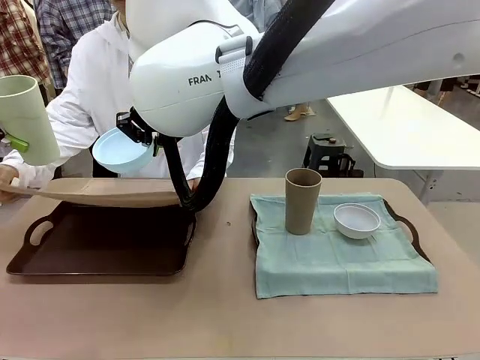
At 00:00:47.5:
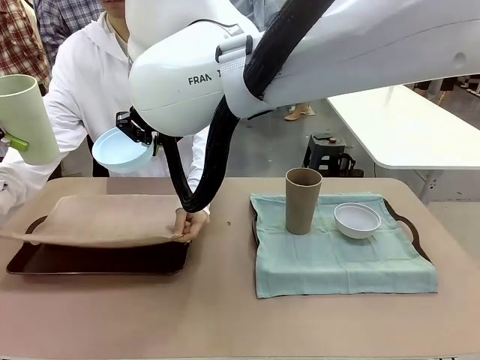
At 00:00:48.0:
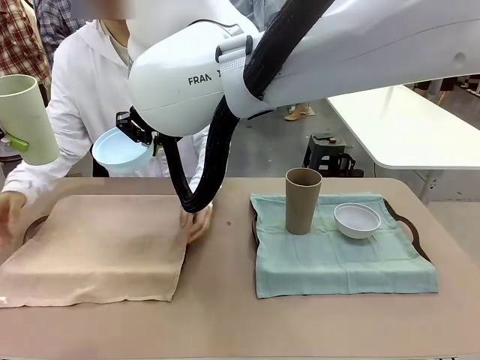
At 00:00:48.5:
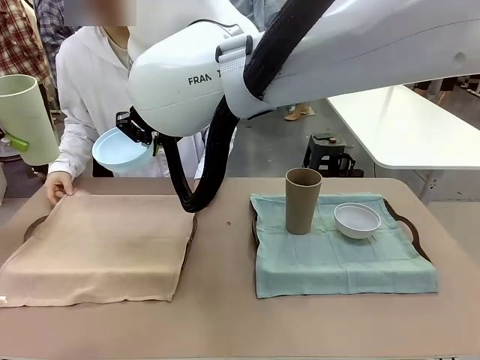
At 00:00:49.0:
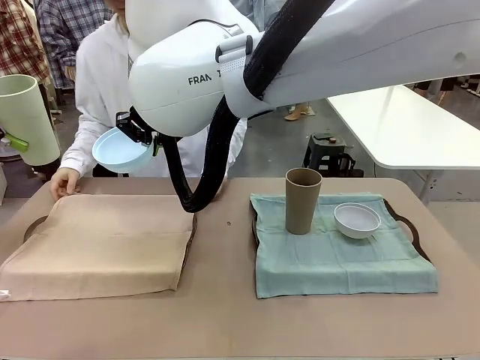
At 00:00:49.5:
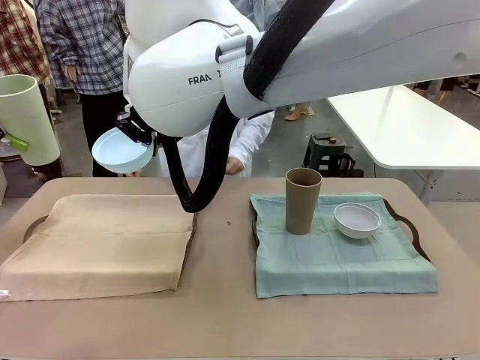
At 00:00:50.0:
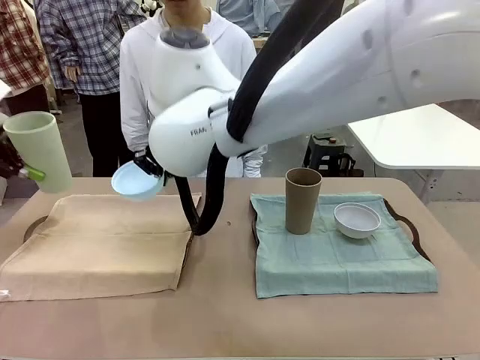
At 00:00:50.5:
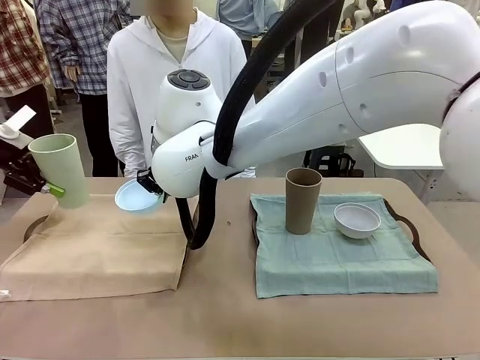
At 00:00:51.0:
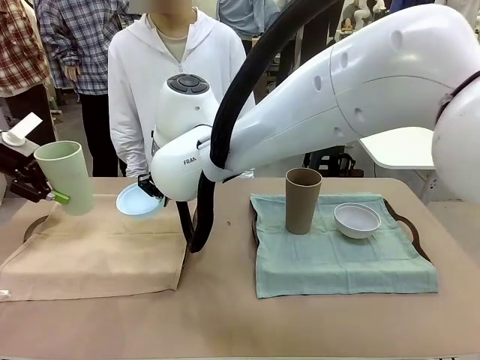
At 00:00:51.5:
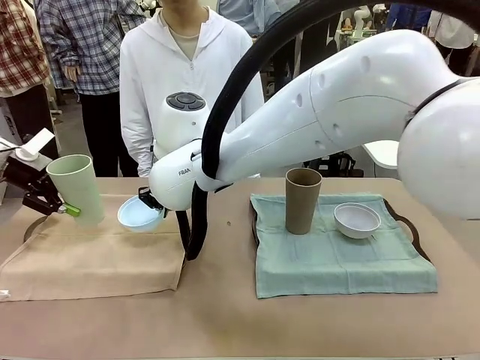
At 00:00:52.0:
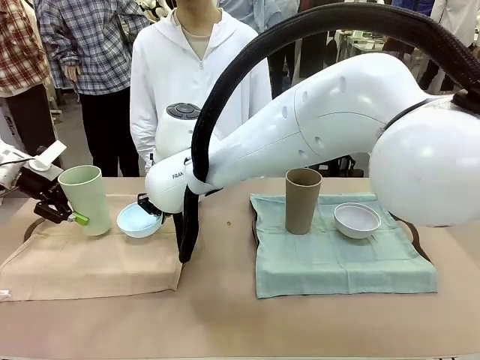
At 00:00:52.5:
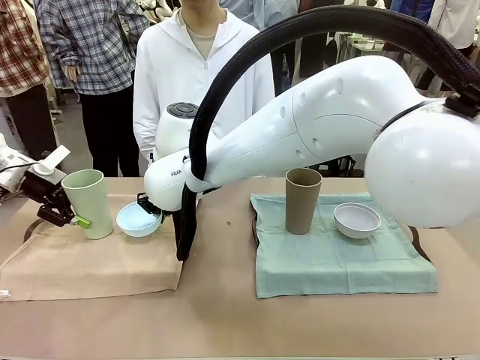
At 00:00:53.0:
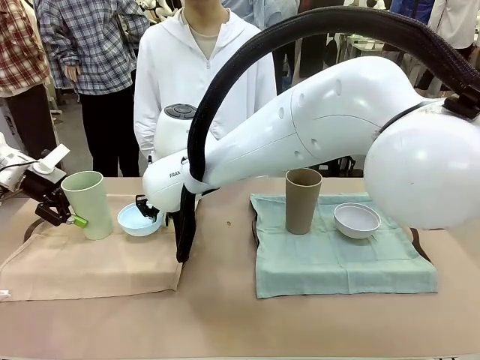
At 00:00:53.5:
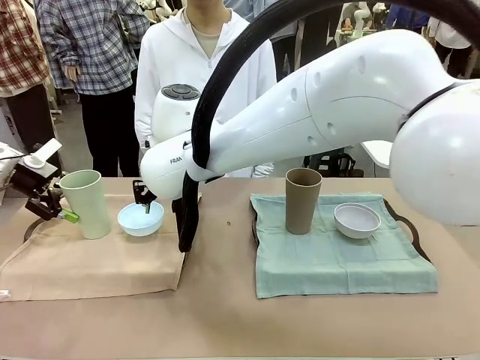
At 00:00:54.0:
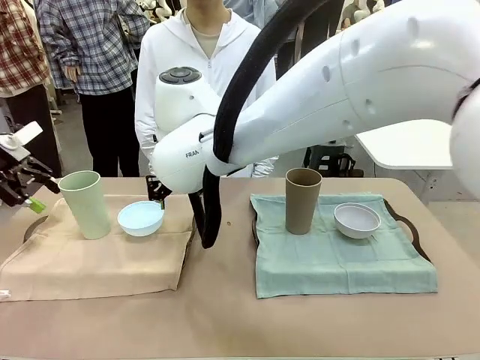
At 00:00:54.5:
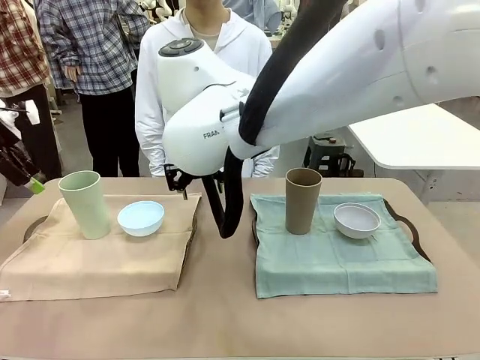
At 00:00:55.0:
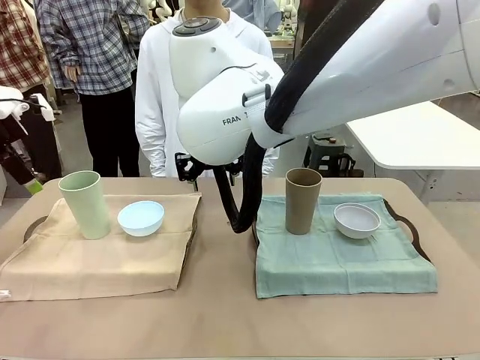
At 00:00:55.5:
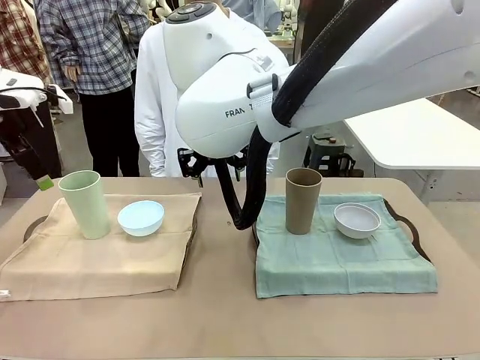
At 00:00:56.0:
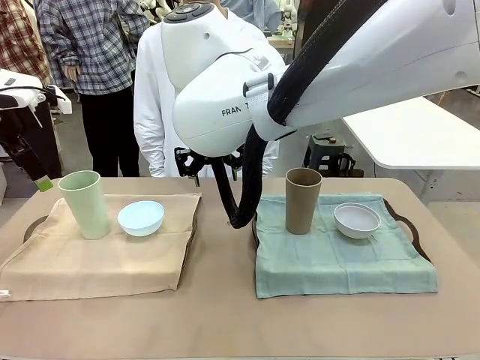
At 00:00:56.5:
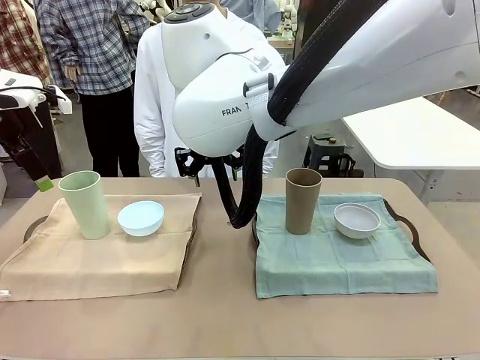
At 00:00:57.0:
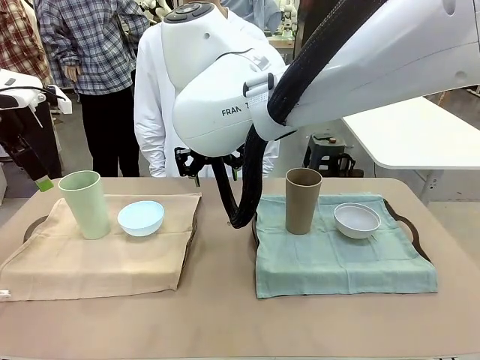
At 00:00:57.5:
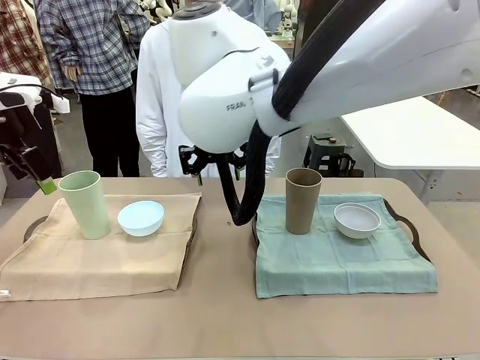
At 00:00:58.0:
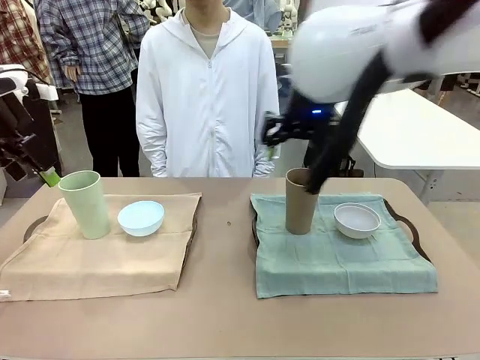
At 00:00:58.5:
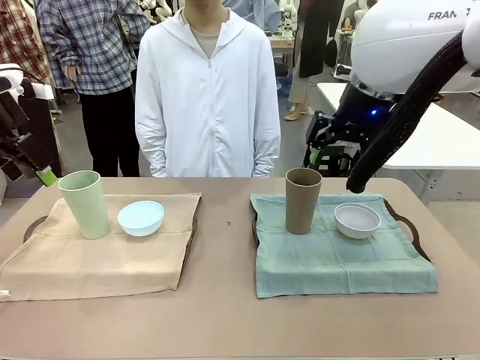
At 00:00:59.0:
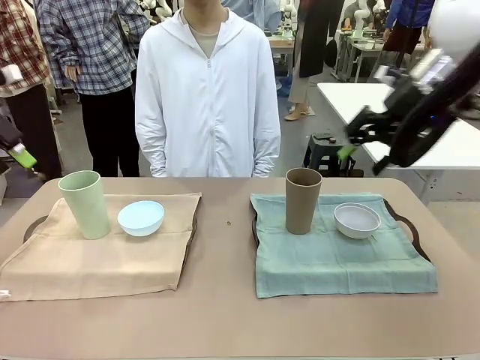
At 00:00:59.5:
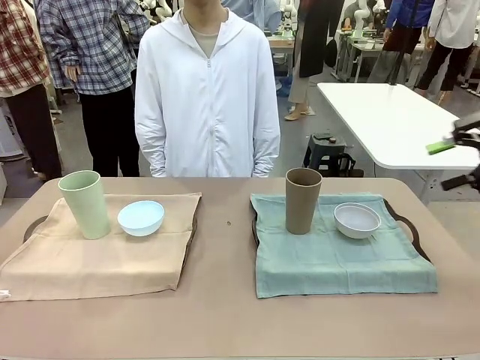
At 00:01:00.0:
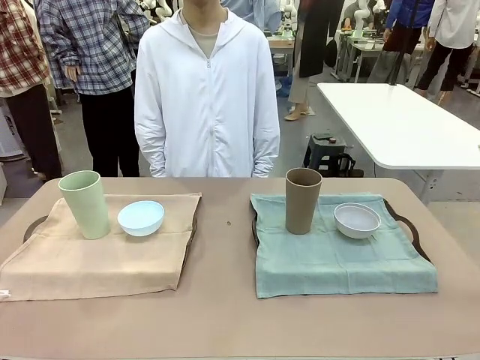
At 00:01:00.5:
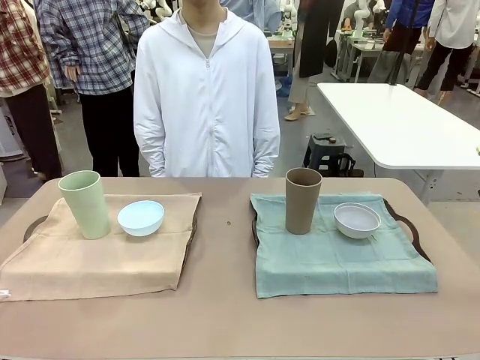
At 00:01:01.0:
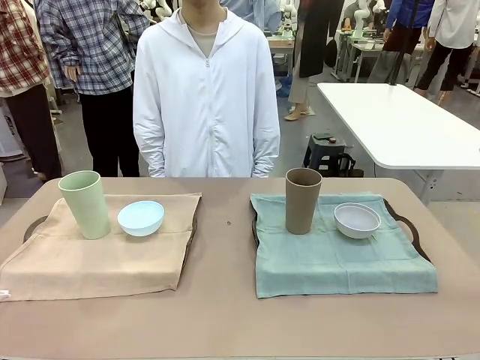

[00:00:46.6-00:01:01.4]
Robot: Place the Picnic Bowl and Reusable plastic cup back onto the Handle tray in front of the human's position.
Person: When the robot lifts the bowl and the cup, the human unfolds the napkin and lays the napkin flat on the tray.

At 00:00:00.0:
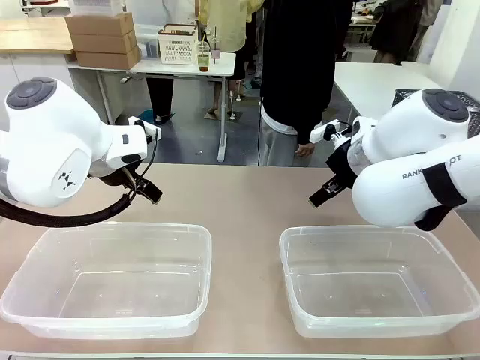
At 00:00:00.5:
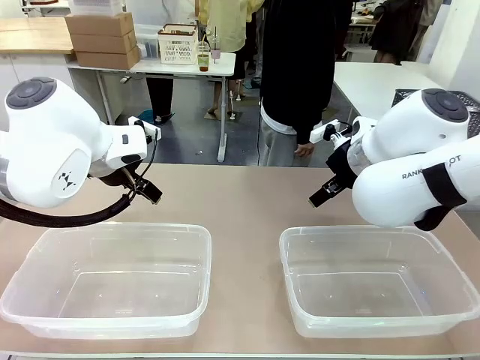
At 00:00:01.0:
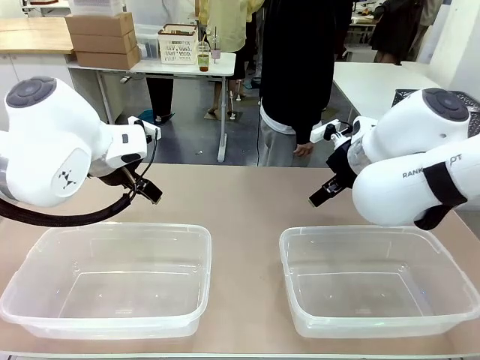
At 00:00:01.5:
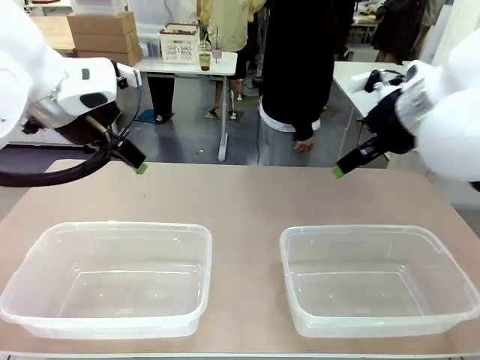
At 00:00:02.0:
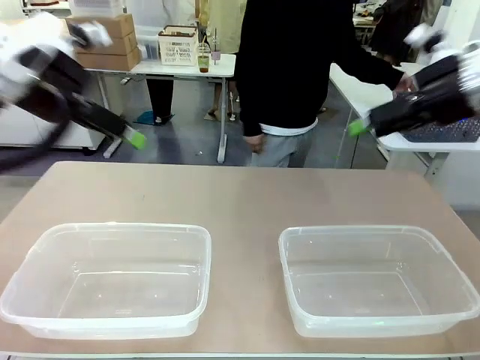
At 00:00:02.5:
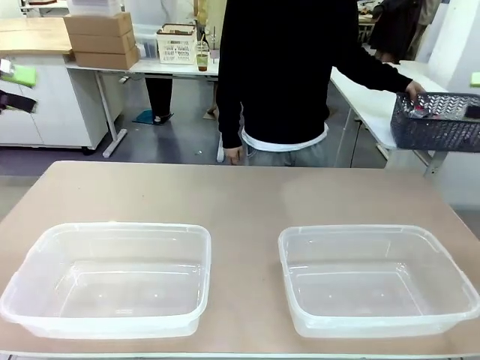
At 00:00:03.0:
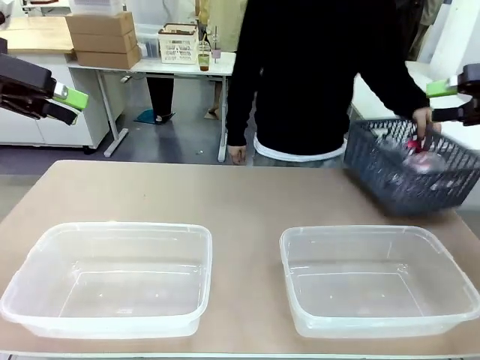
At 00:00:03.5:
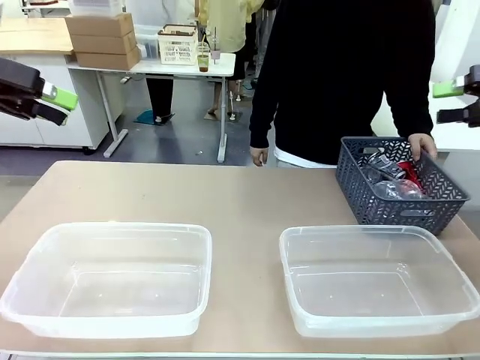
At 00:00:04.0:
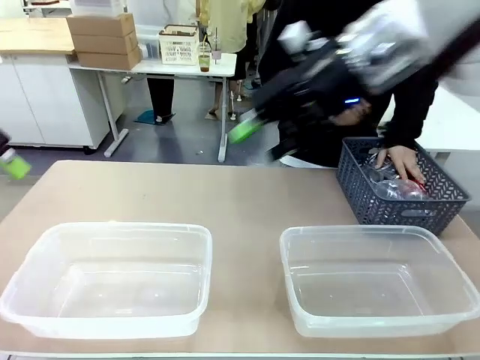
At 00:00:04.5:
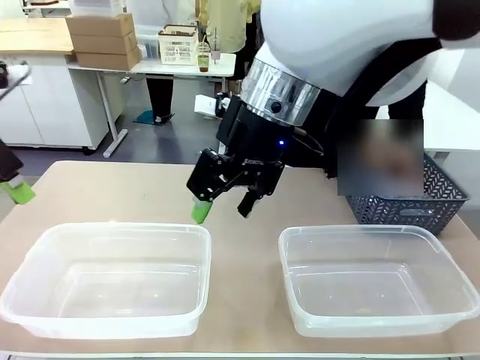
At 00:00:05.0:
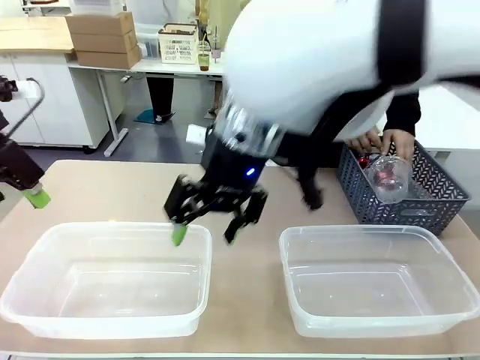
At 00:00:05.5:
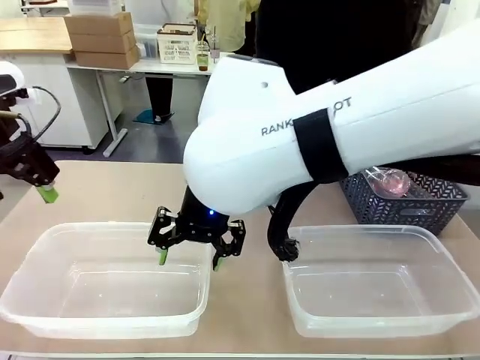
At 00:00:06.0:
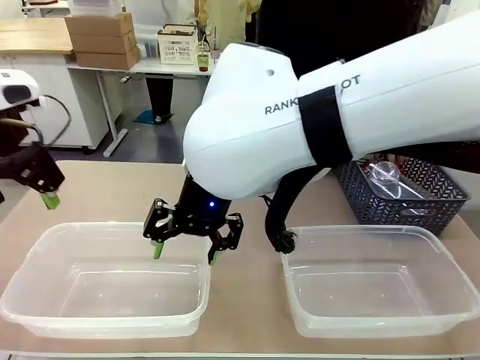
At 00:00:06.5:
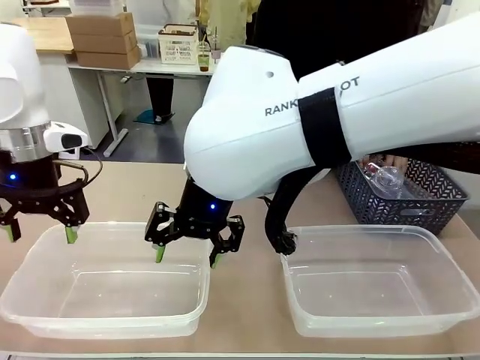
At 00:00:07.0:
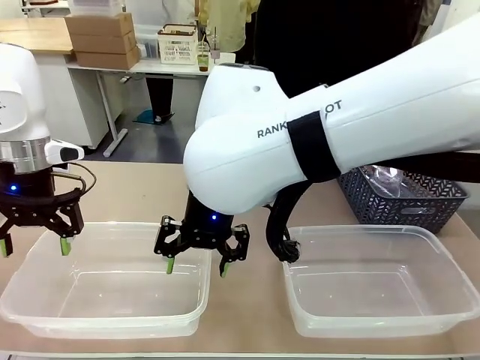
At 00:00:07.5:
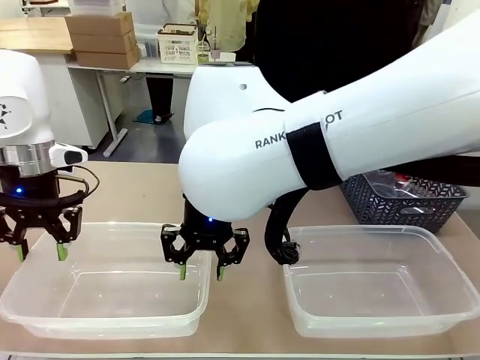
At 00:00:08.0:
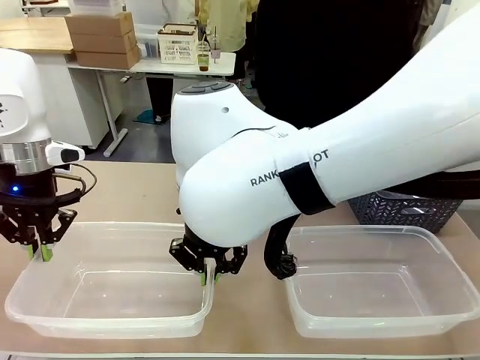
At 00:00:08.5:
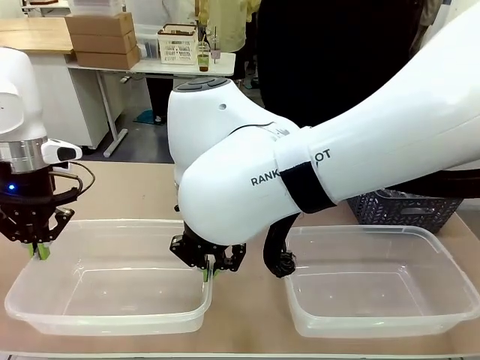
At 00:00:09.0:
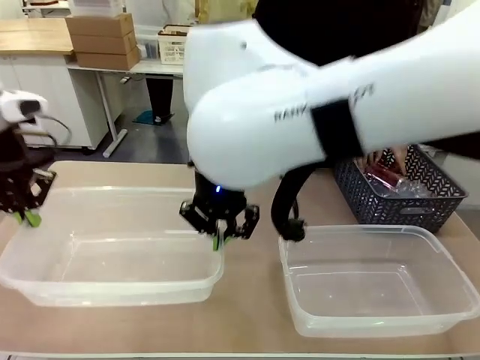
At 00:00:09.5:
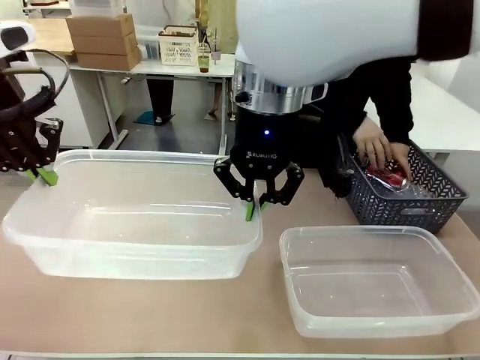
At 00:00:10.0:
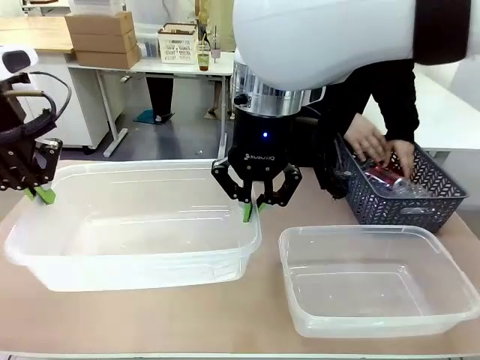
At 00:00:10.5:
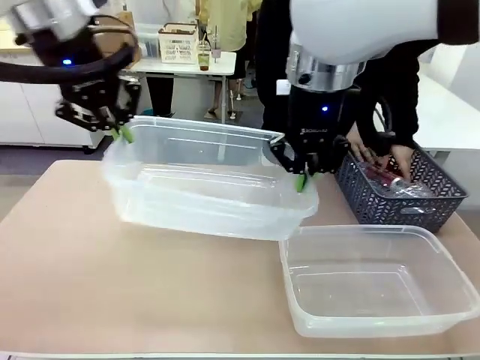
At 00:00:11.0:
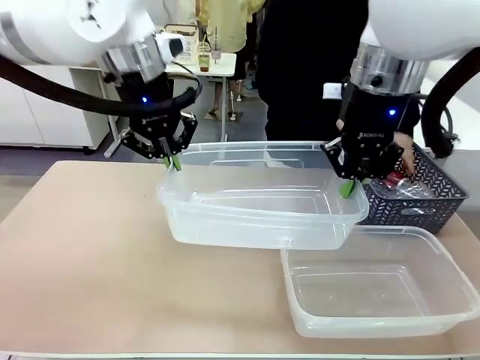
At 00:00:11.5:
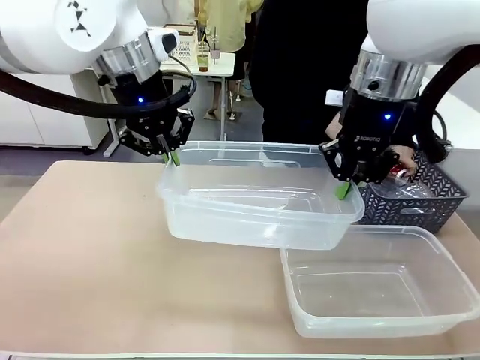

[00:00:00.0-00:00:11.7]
Robot: Pick up the Organizing box on the left side of the table and lift it.
Person: Pick up the storage basket and place it on the left side of the robot table. Pick up can-shaped waste one by one and place it into the organizing box lifted by the robot.
